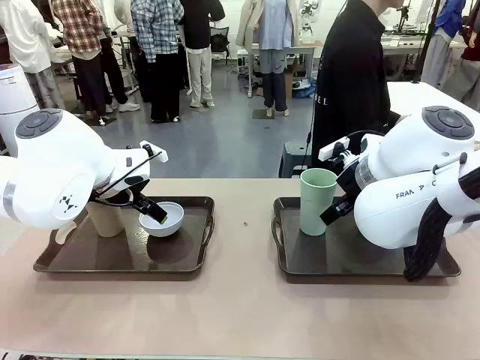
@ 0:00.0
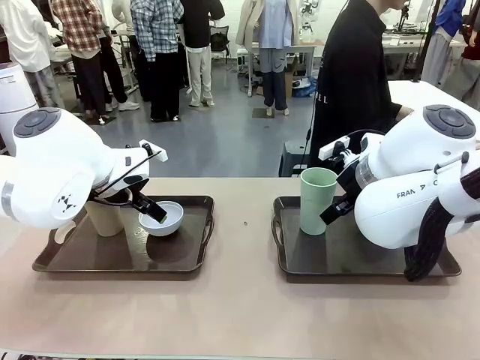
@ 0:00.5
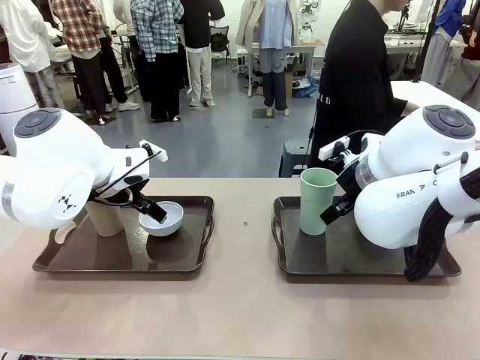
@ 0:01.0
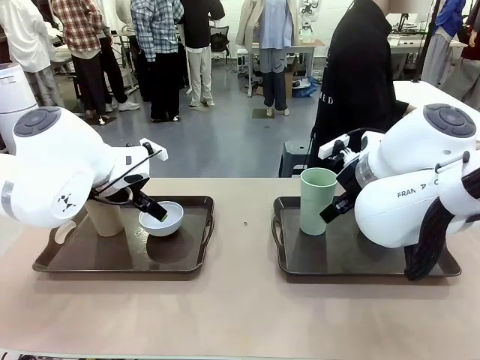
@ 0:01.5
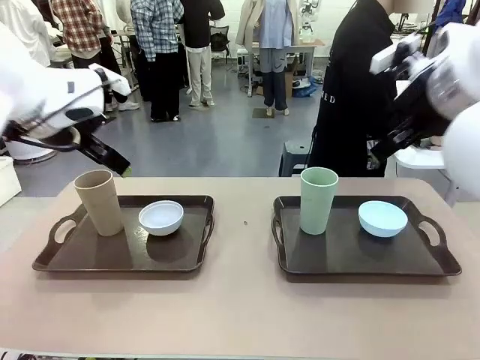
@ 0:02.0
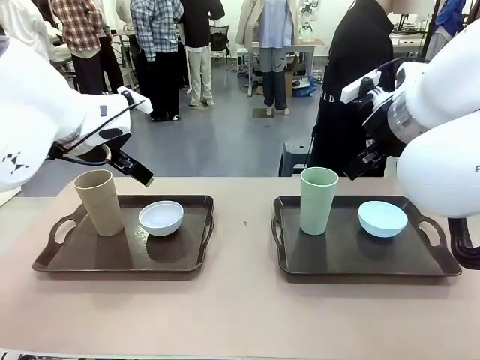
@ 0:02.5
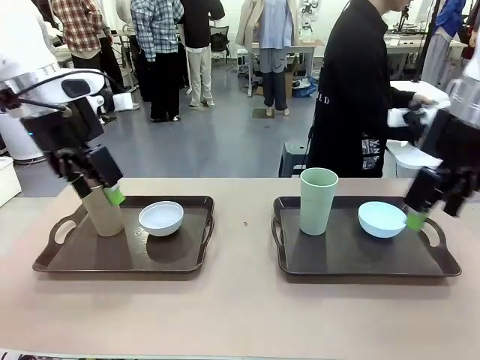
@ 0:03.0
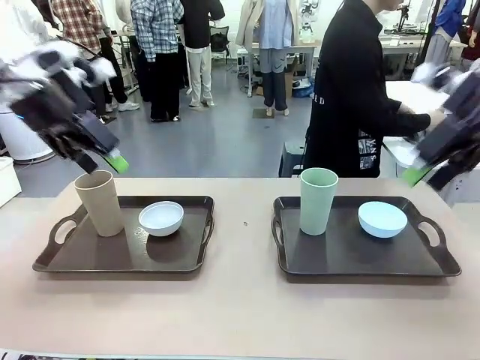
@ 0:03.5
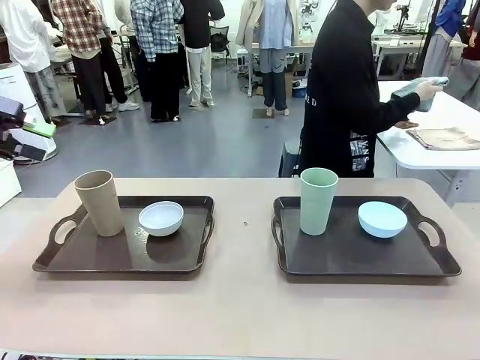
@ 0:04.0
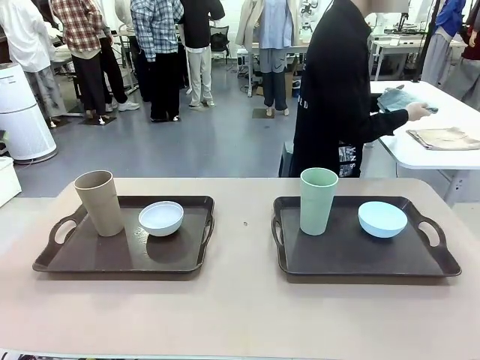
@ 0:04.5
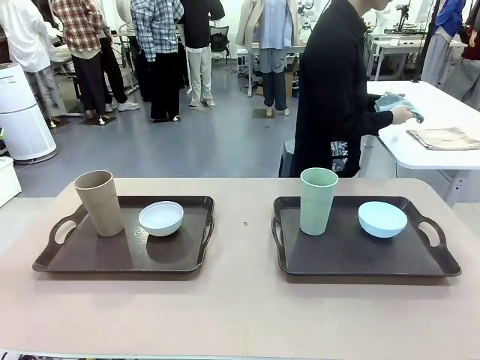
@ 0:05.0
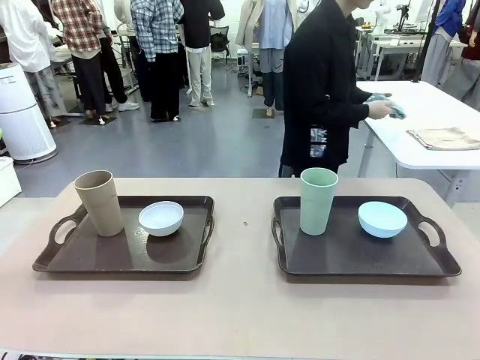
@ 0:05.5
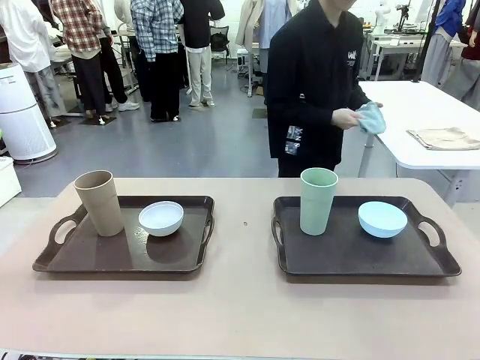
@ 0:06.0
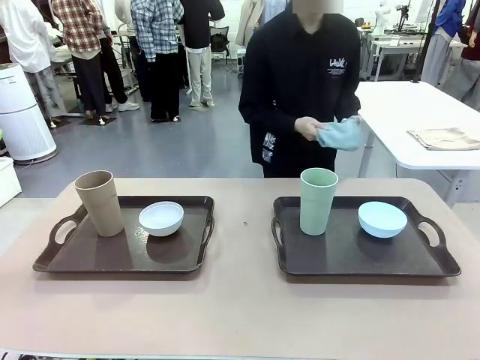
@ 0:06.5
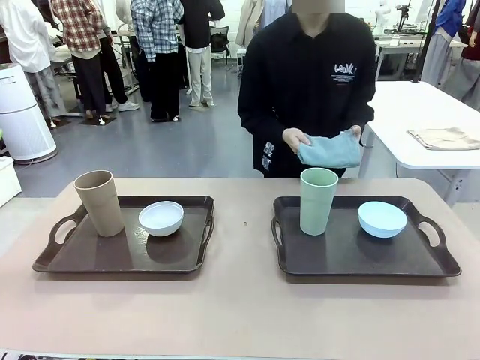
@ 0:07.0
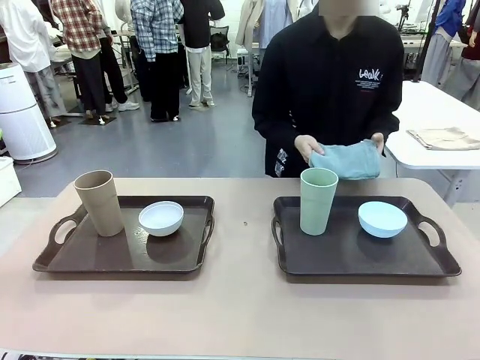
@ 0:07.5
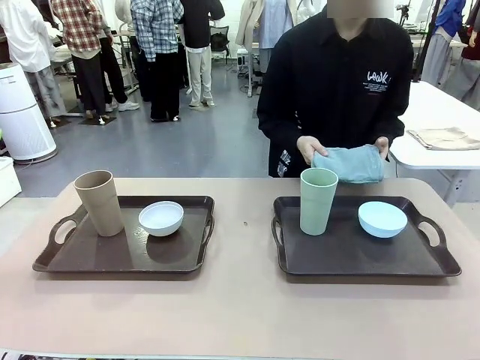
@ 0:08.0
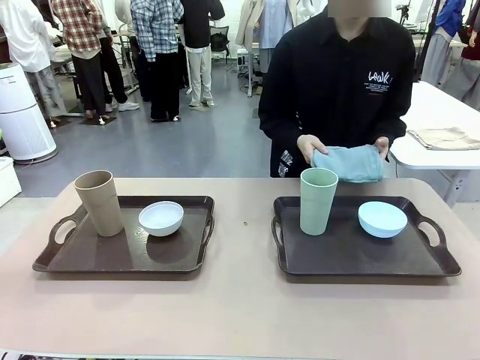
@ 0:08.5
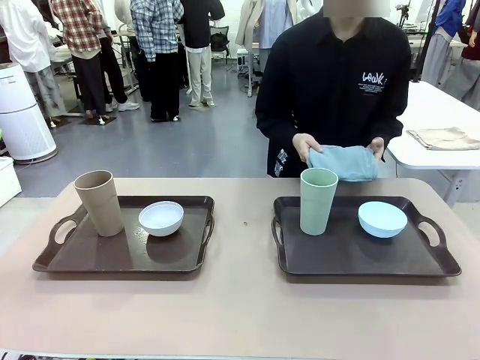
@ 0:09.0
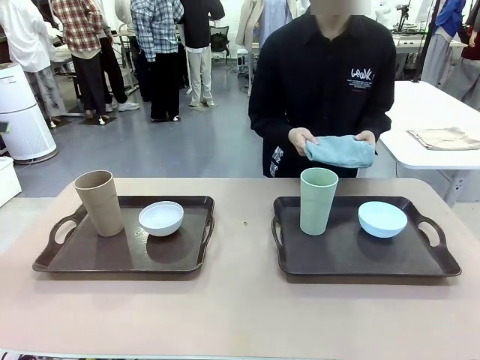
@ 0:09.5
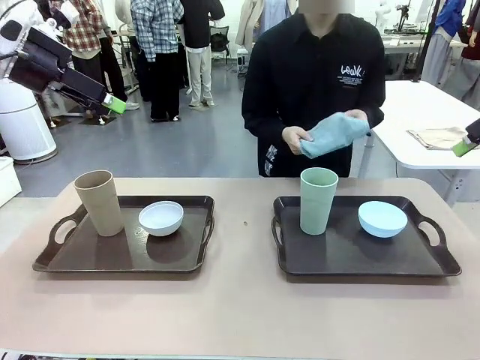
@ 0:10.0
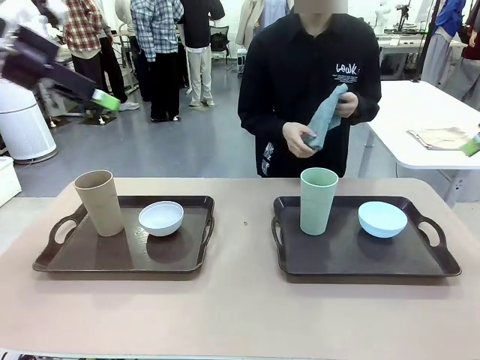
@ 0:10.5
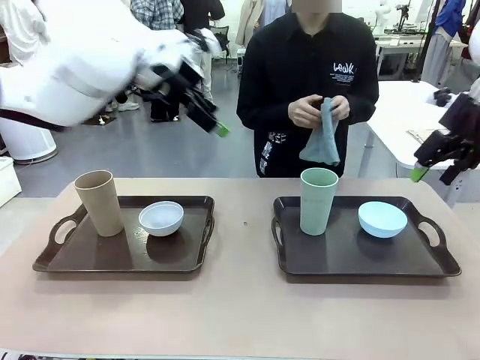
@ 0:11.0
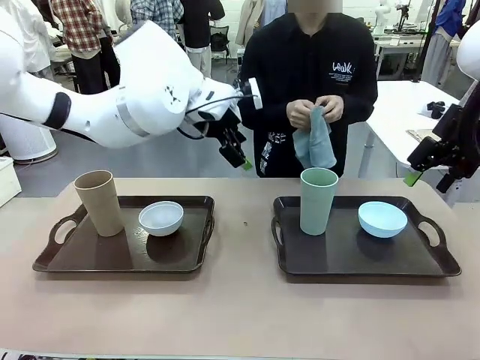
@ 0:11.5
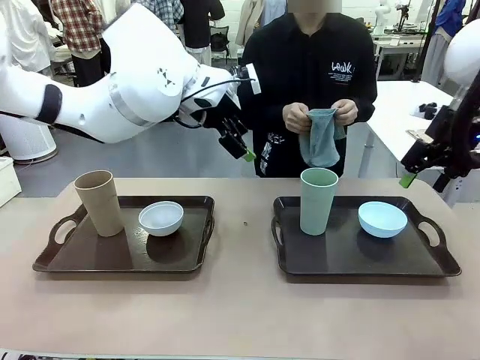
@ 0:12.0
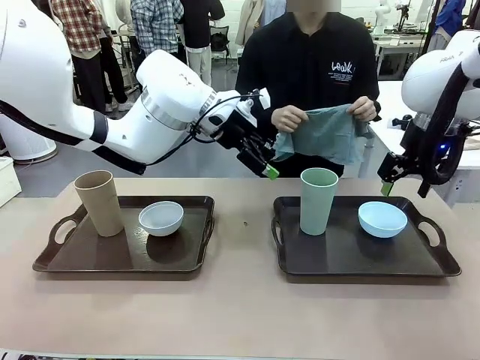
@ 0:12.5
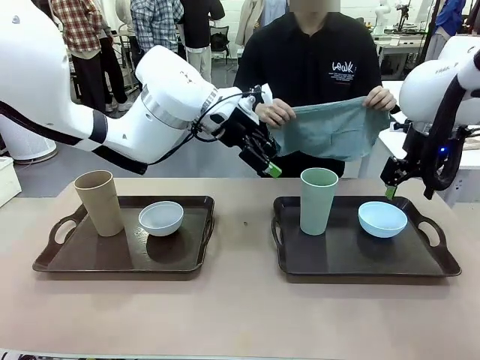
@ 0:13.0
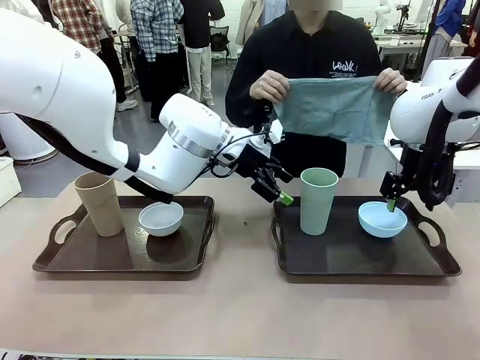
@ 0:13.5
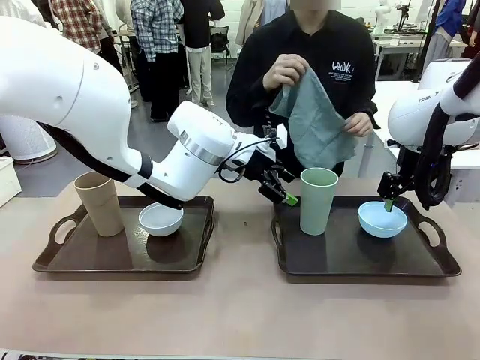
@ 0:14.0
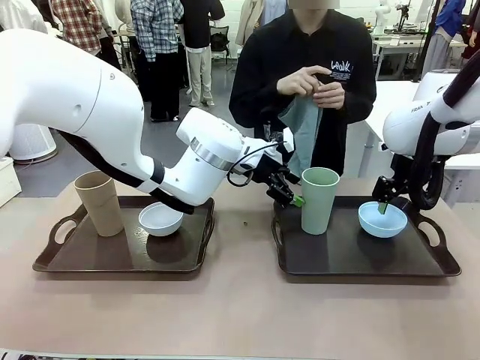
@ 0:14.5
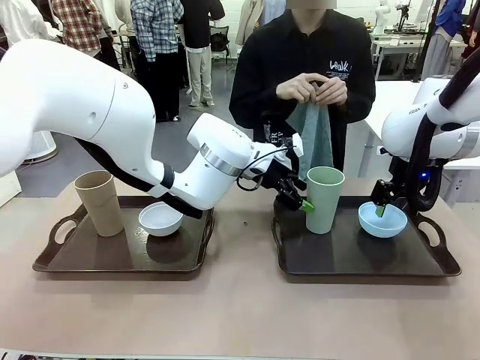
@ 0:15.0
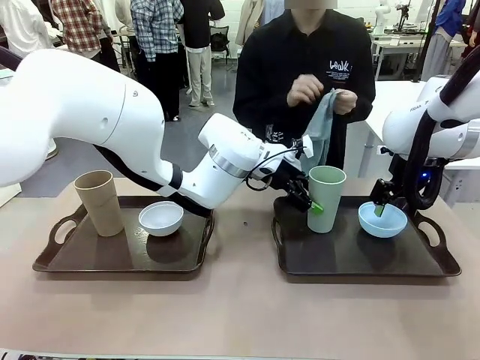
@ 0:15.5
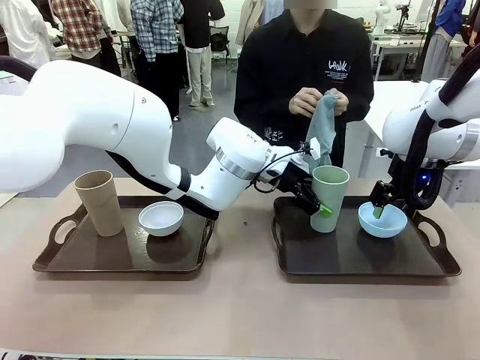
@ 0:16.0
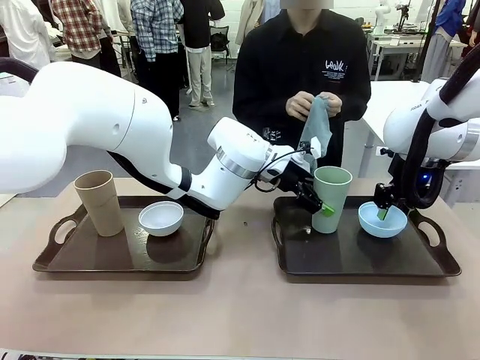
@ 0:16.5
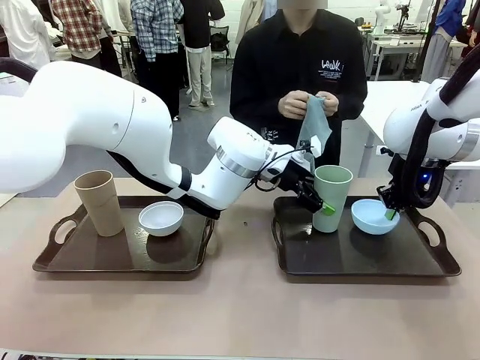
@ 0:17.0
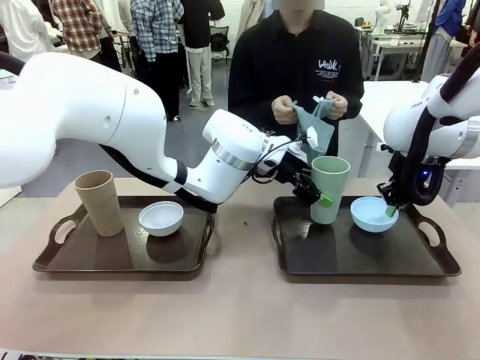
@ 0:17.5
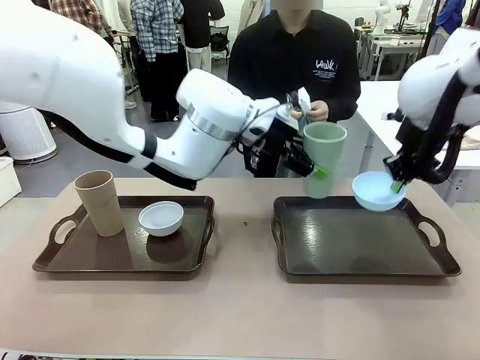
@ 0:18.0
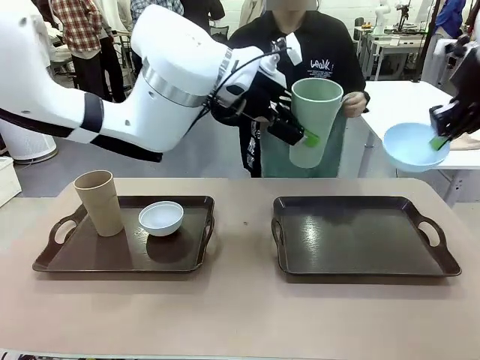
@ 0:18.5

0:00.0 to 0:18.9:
Robot: Pick up the Picnic Bowl and Reusable plastic cup from the Handle tray in front of the human's position and hold them in the air.
Person: The human picks up the top napkin from the stack on the human table and walks to the robot table to stand in front of one of the two trays. When the robot lifts the bowl and the cup, the human unfolds the napkin and lays the napkin flat on the tray.

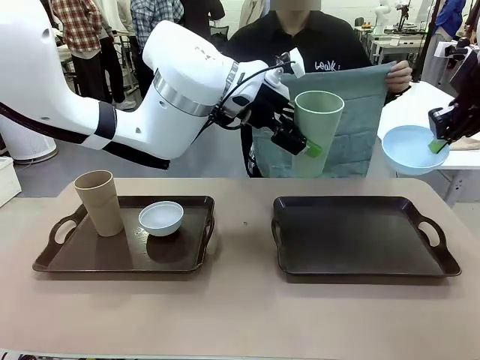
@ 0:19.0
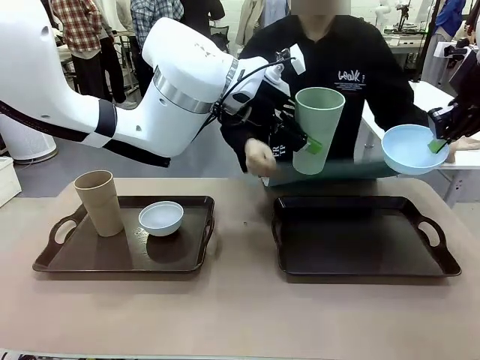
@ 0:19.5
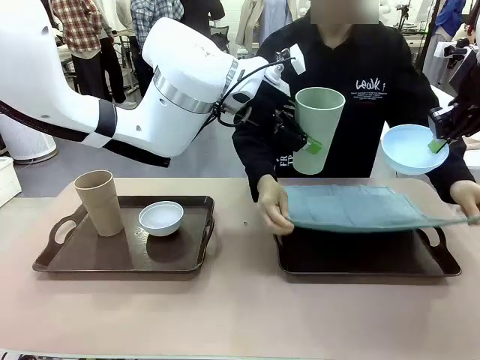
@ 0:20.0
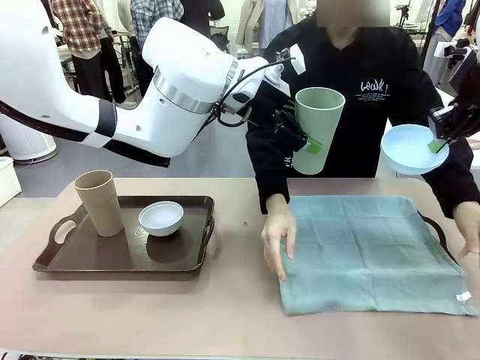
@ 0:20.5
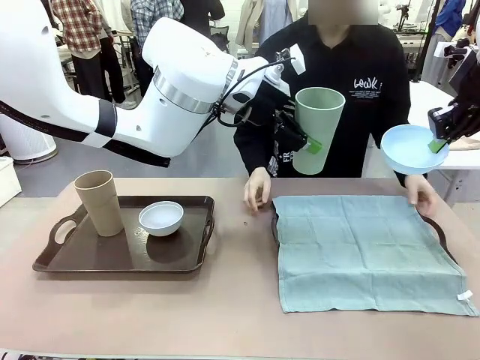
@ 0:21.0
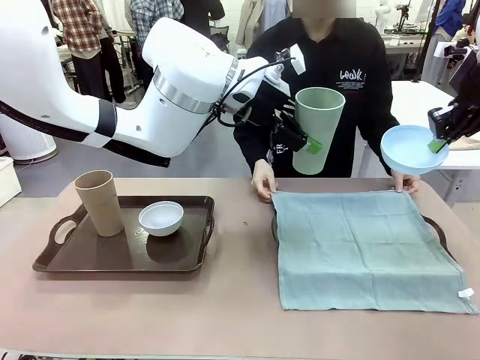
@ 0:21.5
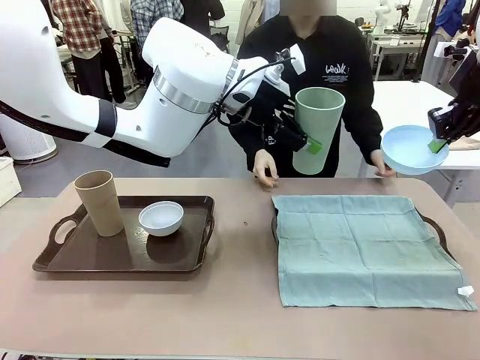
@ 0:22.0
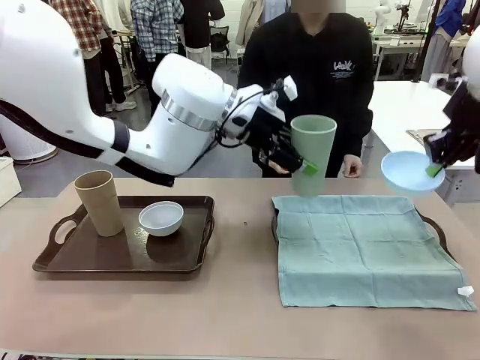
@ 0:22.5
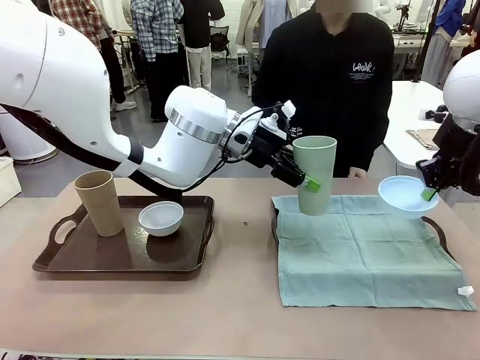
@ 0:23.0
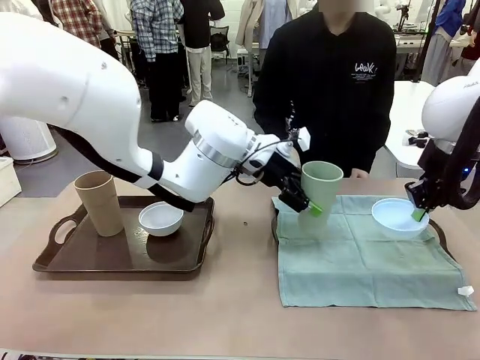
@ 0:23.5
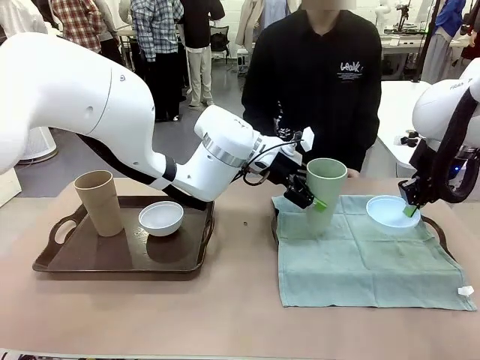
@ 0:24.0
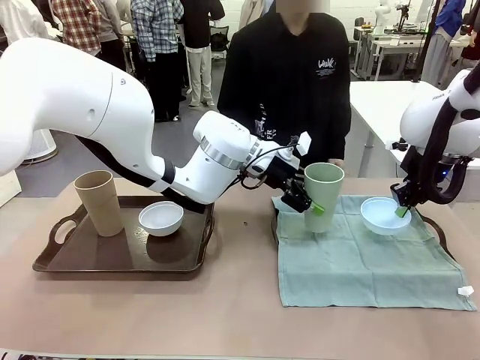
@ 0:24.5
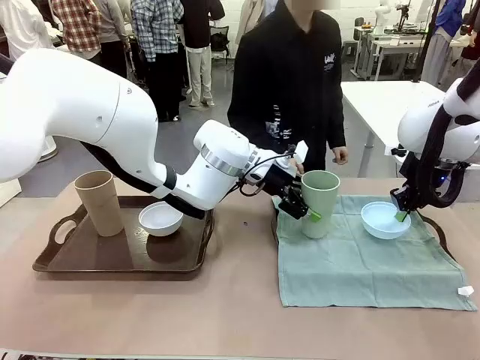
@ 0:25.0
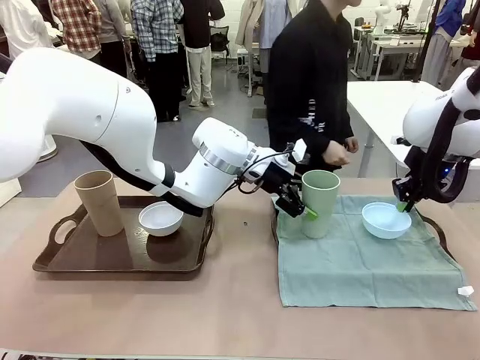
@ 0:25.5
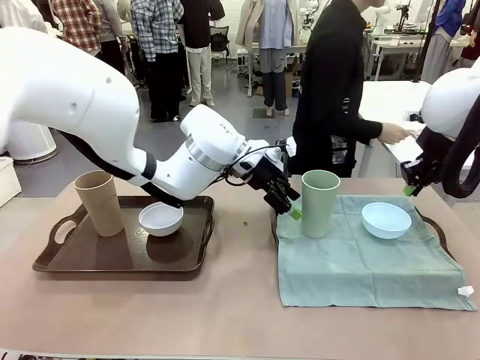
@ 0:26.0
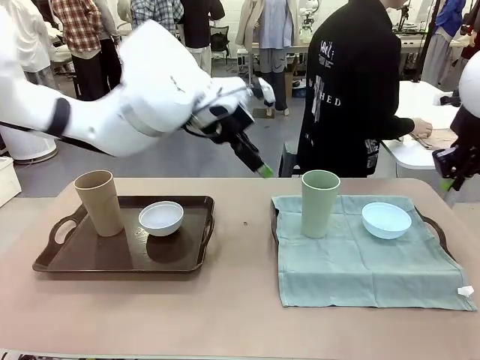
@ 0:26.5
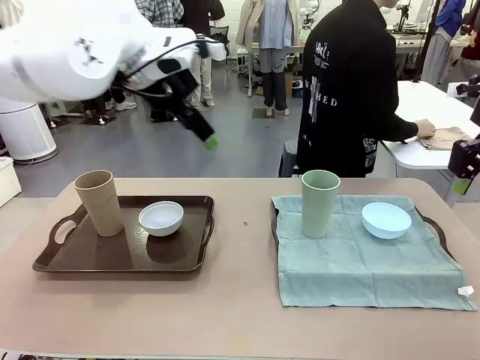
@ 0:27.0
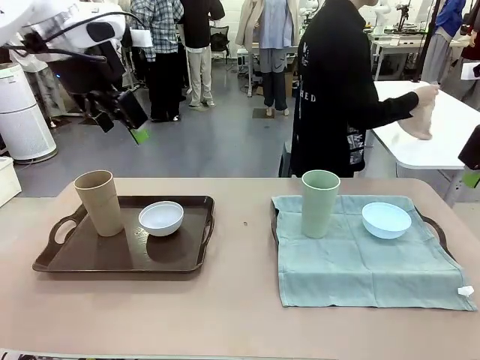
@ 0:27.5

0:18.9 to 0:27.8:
Robot: Place the Picnic Bowl and Reusable plastic cup back onto the Handle tray in front of the human's position.
